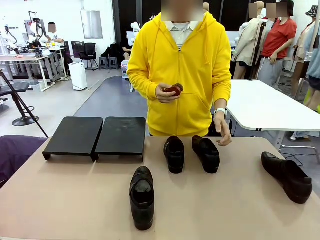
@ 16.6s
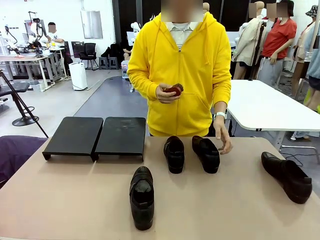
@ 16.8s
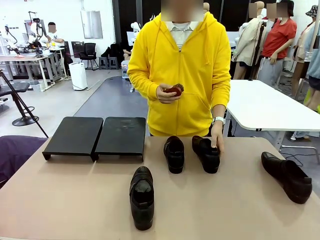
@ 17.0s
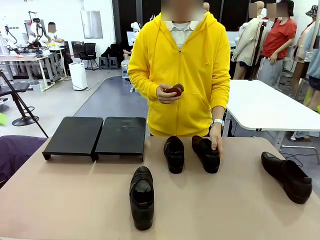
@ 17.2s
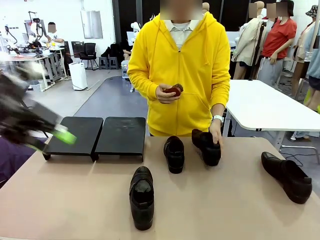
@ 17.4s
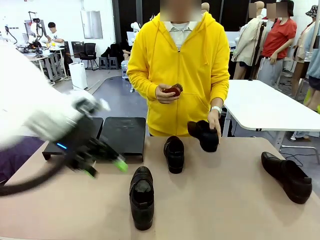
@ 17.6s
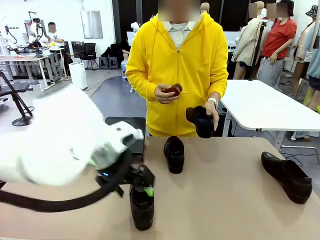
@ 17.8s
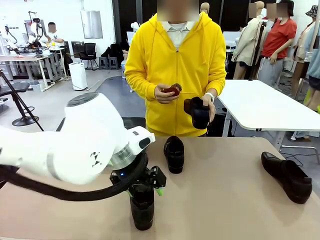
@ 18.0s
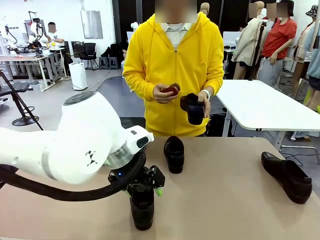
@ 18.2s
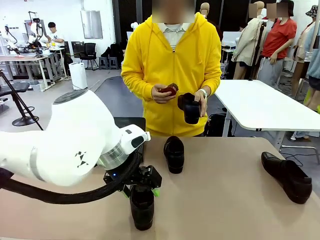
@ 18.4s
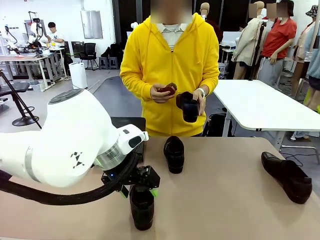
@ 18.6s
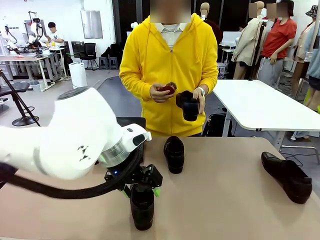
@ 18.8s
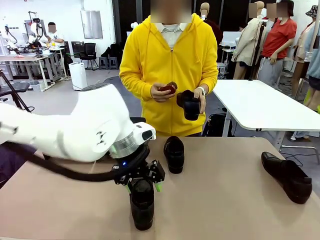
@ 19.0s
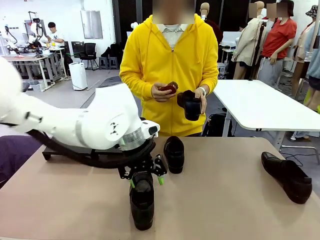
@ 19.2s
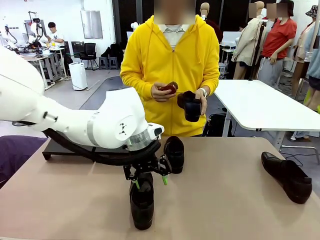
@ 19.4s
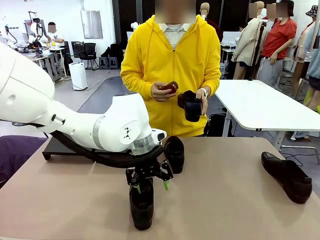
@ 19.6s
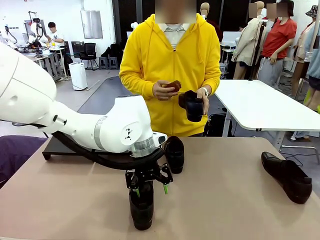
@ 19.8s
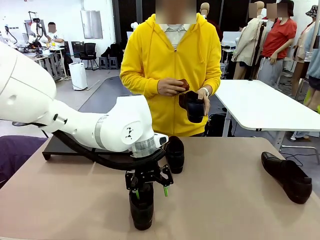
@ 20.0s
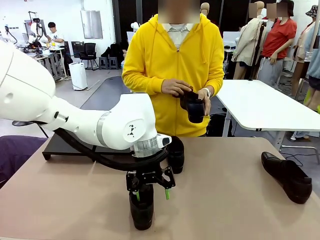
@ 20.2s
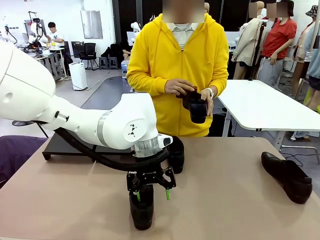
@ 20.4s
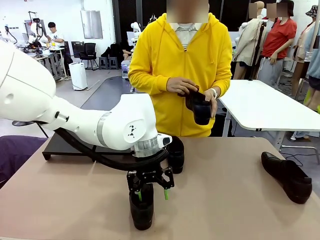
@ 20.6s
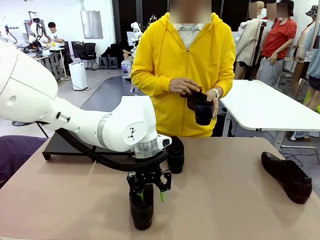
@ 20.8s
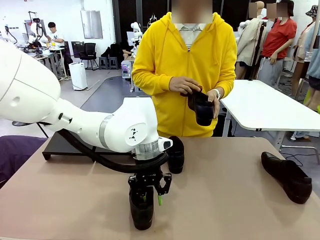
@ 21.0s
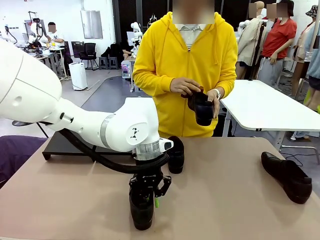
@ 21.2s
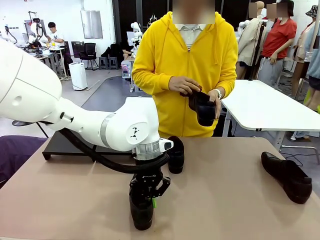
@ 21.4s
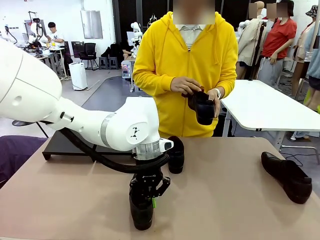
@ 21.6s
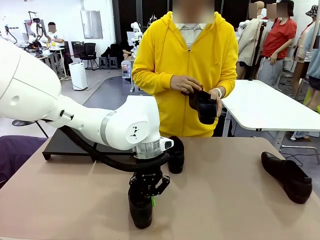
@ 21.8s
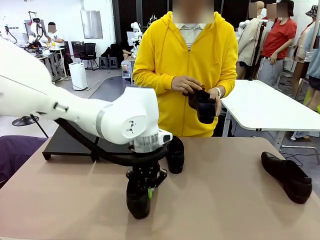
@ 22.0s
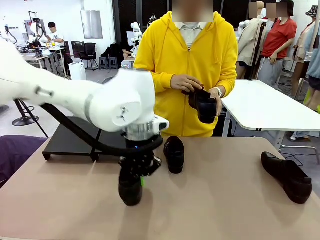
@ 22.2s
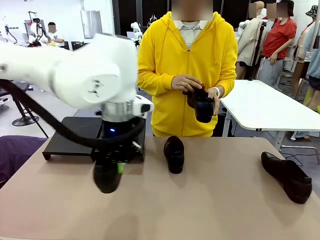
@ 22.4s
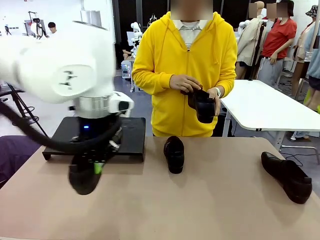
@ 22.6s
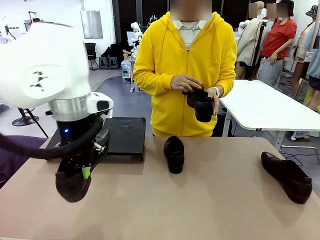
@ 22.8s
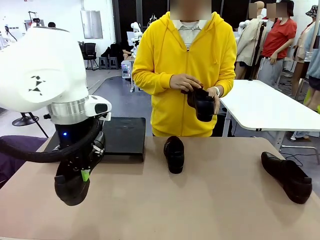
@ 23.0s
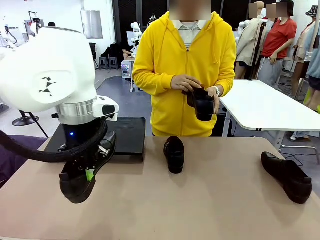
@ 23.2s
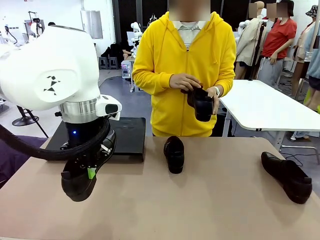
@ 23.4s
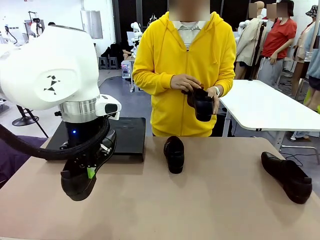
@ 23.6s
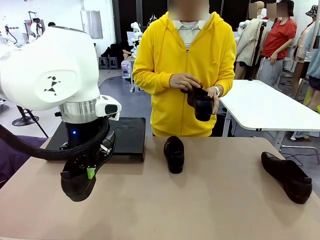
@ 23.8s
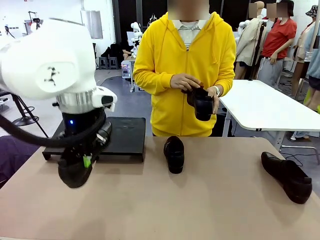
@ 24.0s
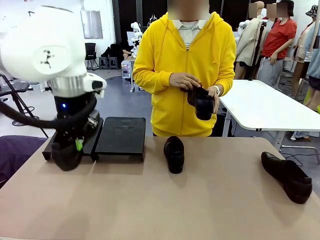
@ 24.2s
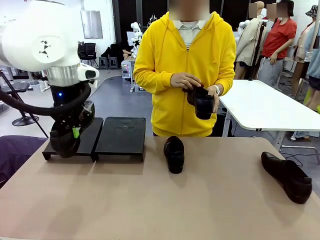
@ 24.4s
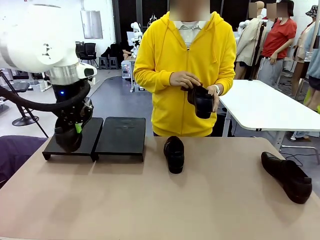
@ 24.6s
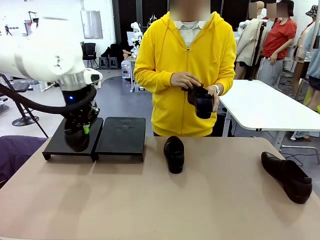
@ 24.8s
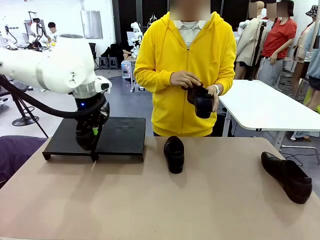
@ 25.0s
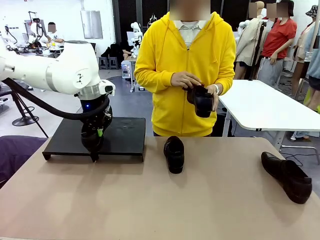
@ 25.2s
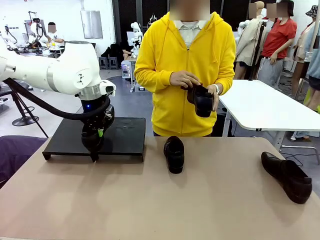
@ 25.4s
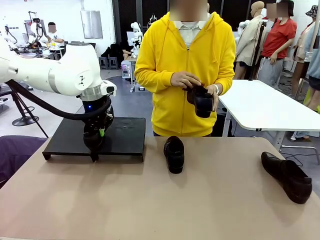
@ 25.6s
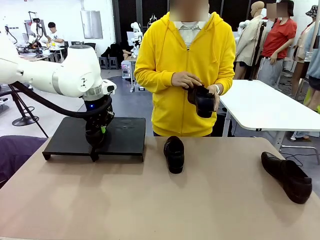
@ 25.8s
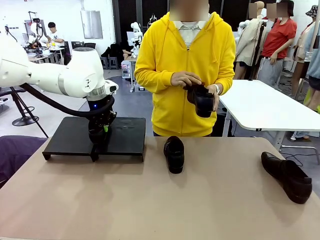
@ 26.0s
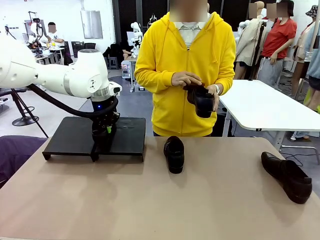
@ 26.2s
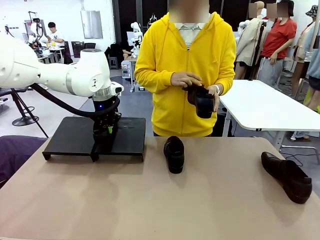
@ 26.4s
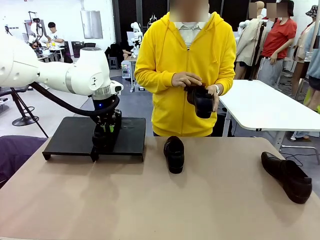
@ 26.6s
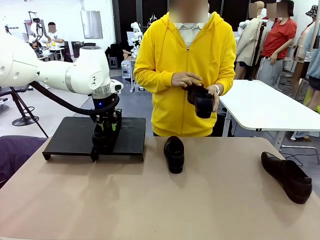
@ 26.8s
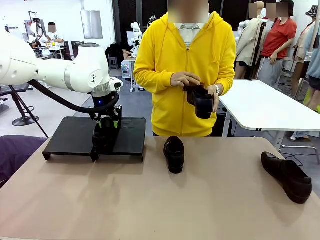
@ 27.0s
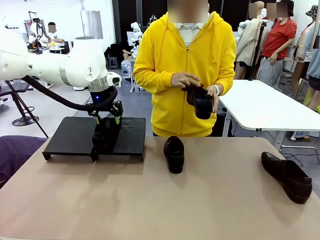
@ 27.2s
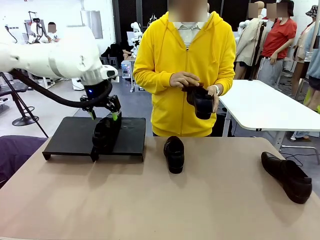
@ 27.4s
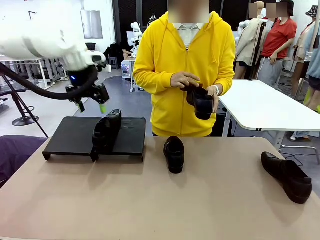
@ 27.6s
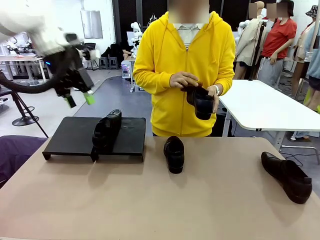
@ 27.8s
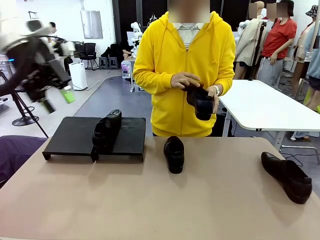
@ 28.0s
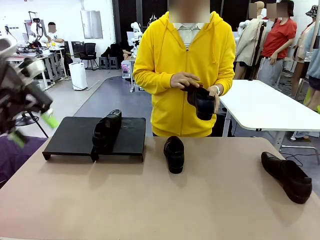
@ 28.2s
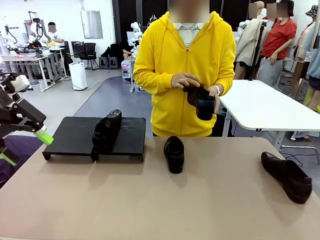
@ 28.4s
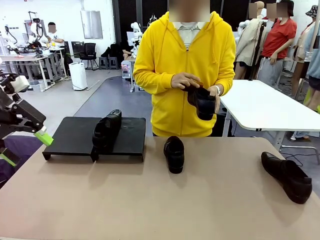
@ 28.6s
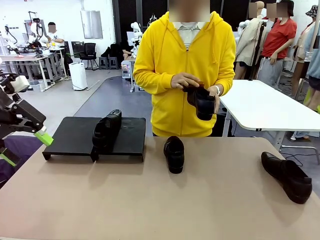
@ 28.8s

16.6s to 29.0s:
Task: Organize the shoes by placing them on the stand.
Robot: Place the Shoe from the middle of the table onto the Shoes Stand.
Person: Pick one Shoe on Robot's table. Clean the Shoe with the Shoe Brush.

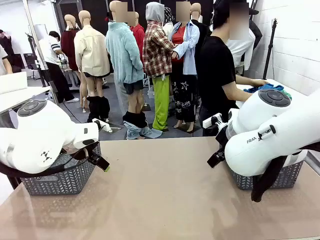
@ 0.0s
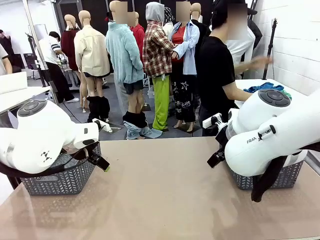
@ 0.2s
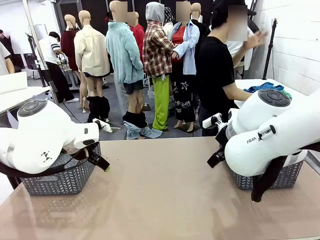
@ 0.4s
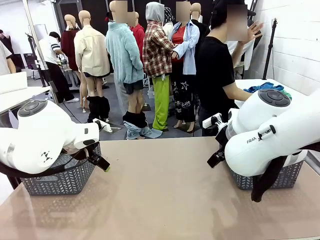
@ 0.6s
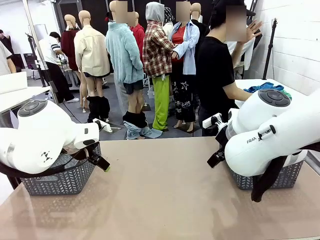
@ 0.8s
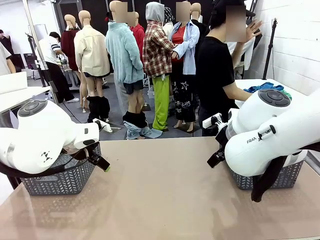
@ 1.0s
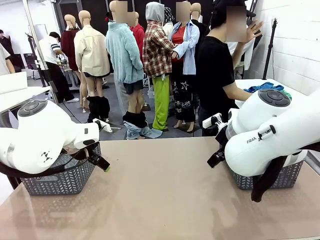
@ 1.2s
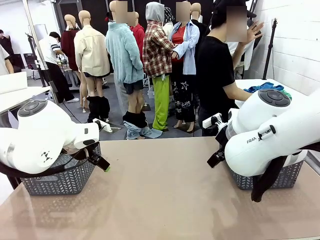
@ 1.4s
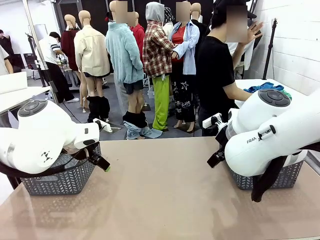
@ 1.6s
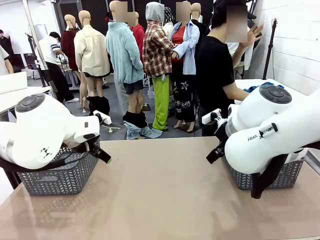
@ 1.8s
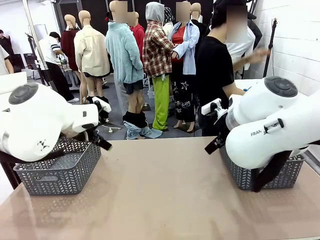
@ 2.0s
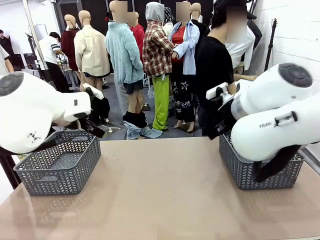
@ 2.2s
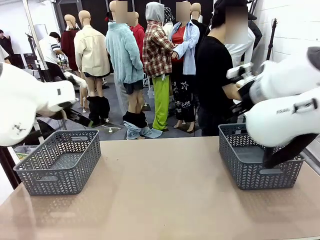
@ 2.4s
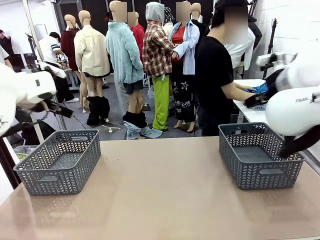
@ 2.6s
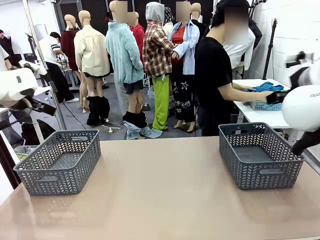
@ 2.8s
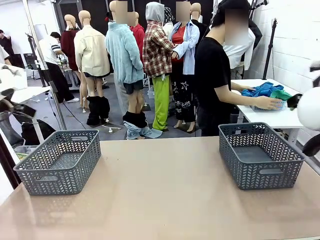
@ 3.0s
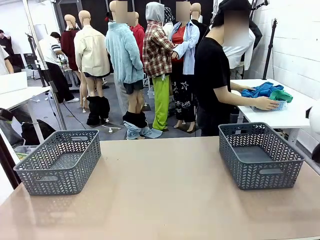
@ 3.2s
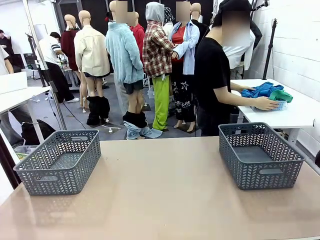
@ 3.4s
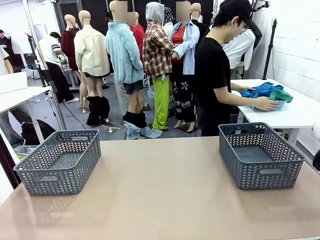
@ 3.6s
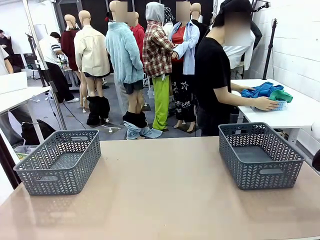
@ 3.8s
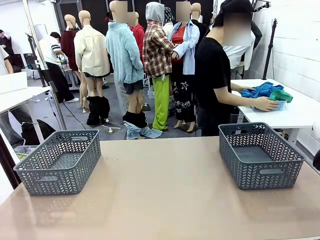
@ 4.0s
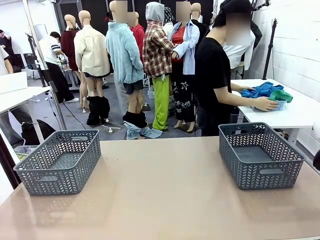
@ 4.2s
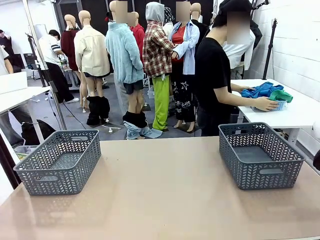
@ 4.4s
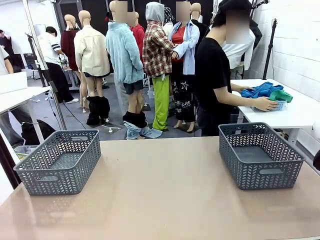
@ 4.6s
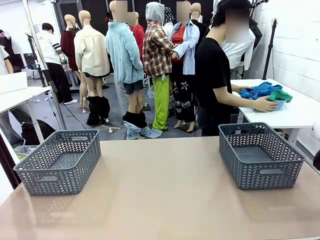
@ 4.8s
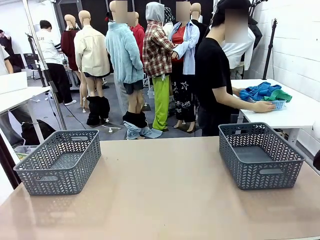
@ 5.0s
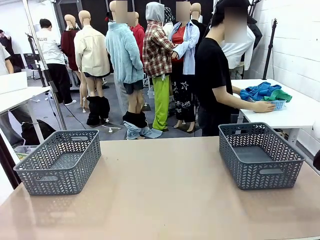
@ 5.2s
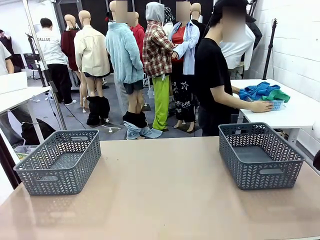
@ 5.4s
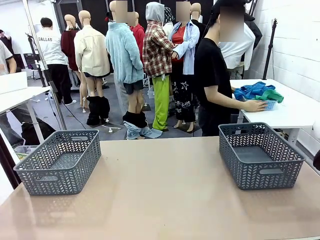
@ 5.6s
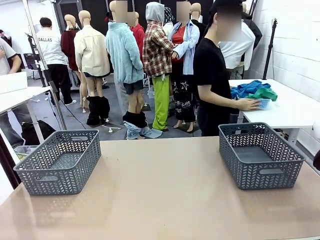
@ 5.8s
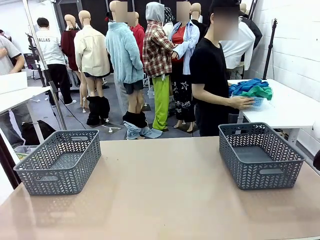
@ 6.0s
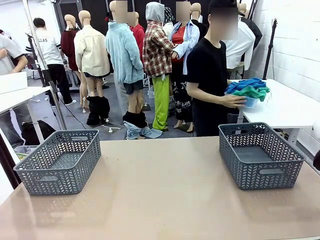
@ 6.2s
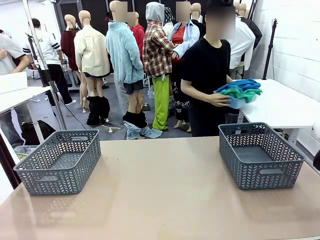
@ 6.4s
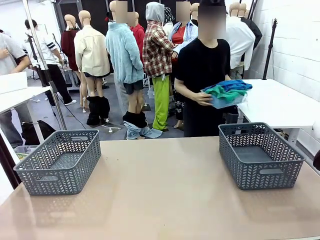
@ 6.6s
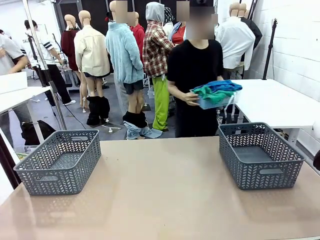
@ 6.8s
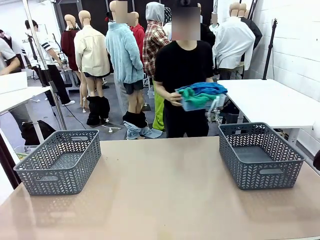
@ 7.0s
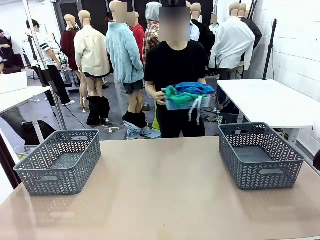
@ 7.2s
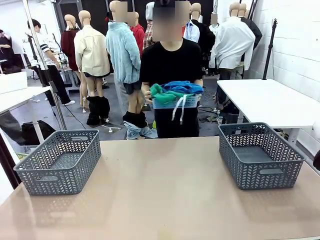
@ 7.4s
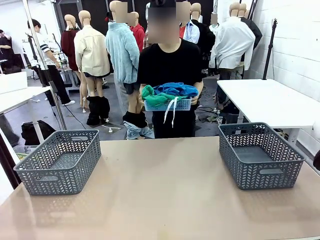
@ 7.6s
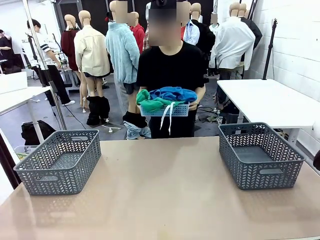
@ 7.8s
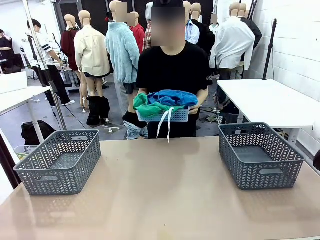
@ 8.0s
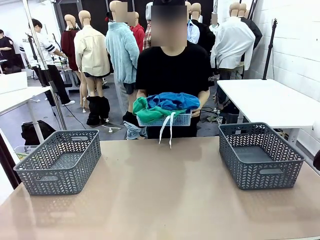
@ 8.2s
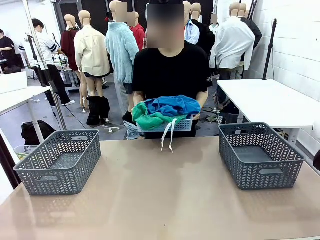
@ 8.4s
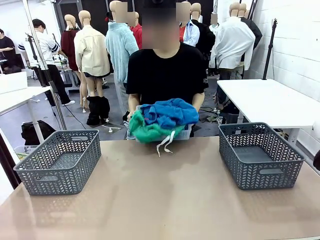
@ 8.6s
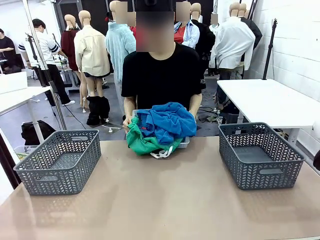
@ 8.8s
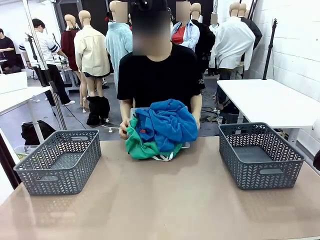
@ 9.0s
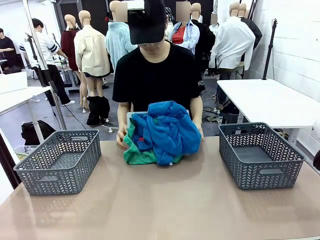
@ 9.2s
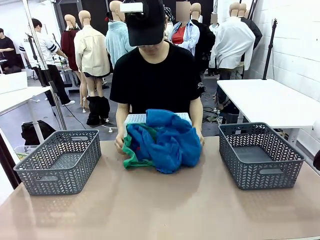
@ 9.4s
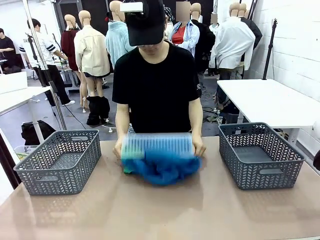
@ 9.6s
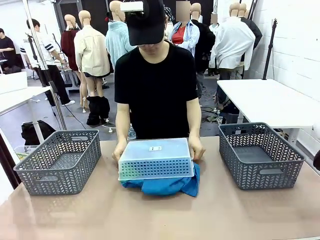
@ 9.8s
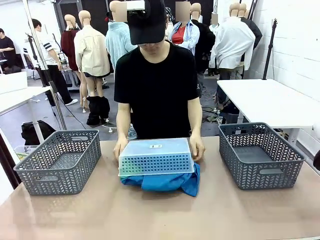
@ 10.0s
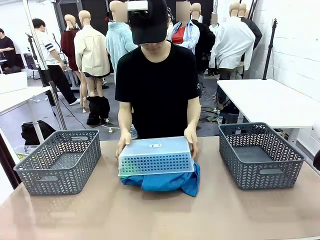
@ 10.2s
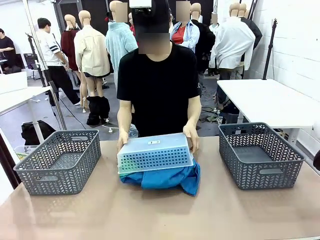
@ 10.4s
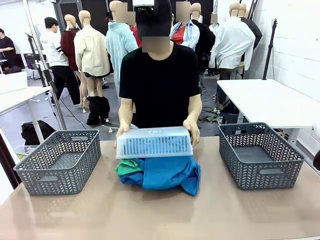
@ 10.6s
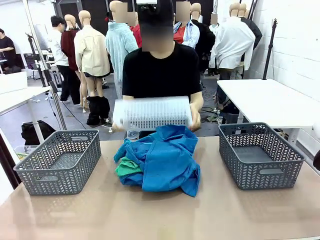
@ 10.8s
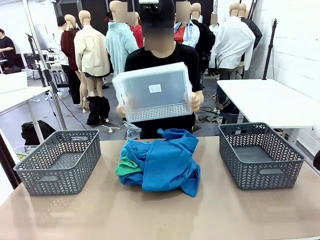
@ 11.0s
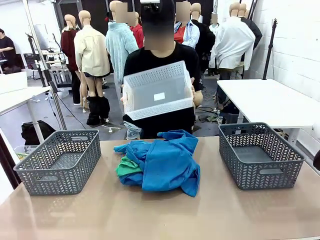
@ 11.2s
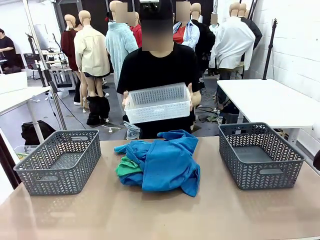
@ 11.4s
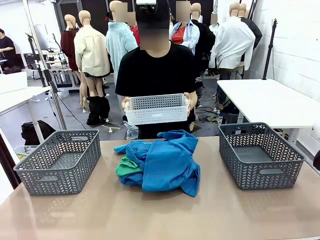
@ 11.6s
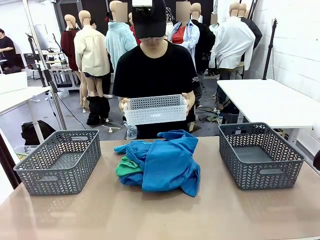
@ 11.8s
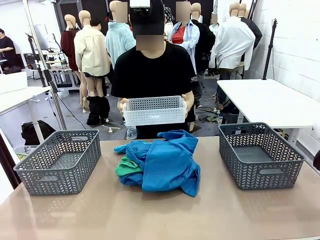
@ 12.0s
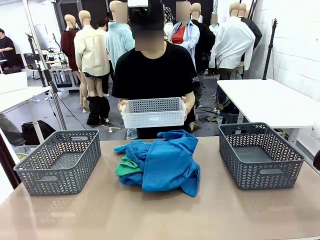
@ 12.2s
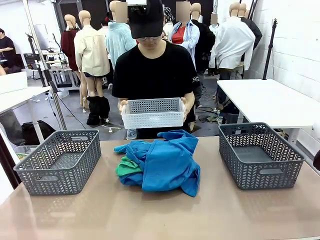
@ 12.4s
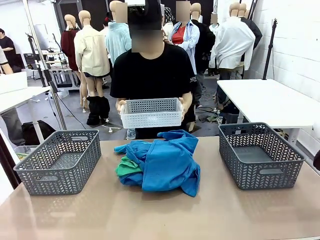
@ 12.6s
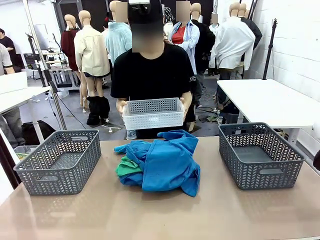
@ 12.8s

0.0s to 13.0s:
Task: Sort the tops and bottoms.
Robot: Lift clothes from the center of the table with your left hand.
Person: Pour the clothes from the basket onto the center of the robot table.
